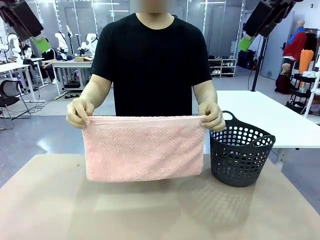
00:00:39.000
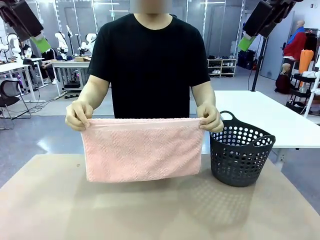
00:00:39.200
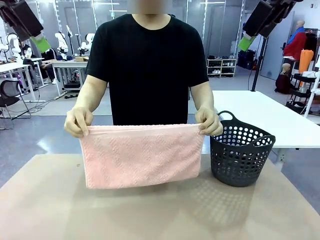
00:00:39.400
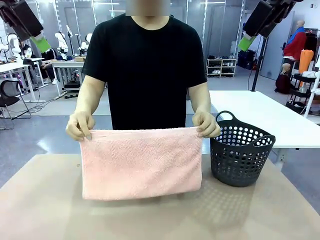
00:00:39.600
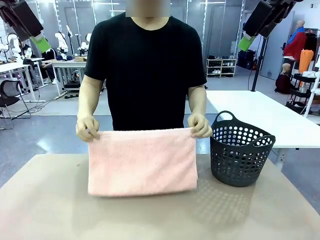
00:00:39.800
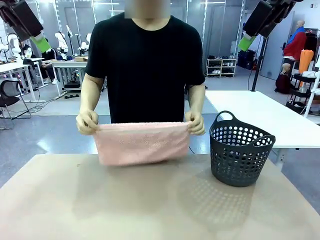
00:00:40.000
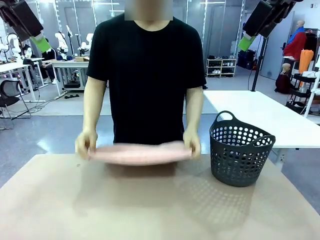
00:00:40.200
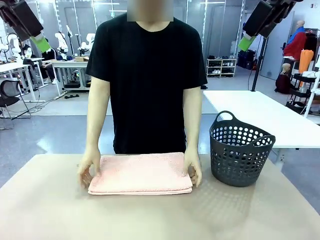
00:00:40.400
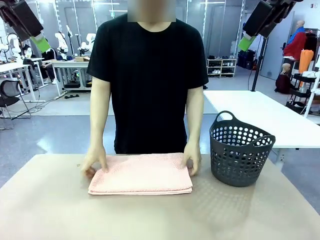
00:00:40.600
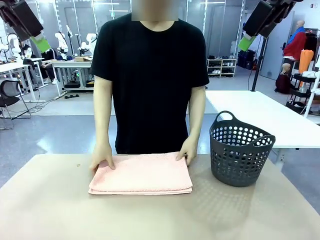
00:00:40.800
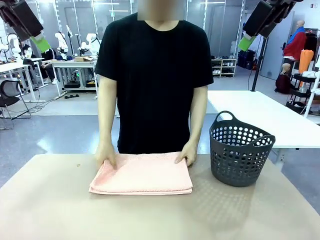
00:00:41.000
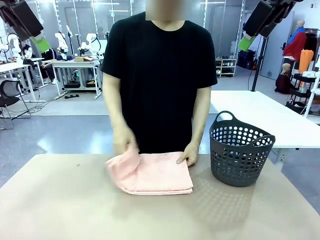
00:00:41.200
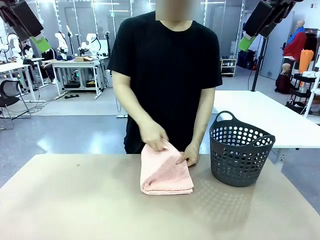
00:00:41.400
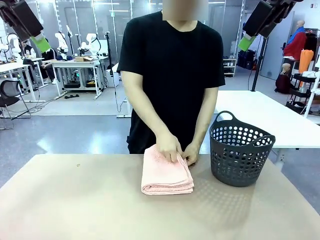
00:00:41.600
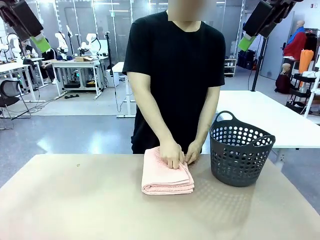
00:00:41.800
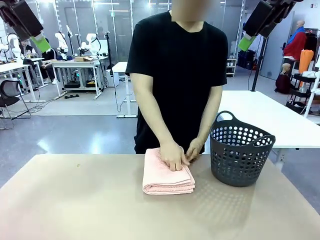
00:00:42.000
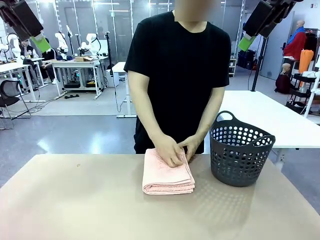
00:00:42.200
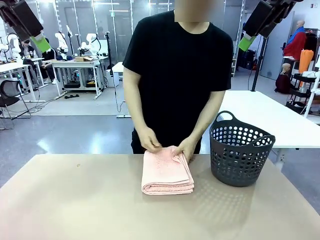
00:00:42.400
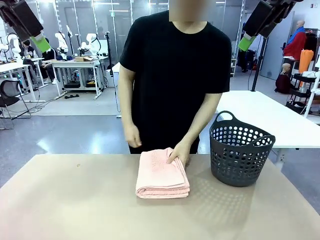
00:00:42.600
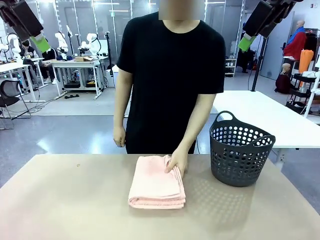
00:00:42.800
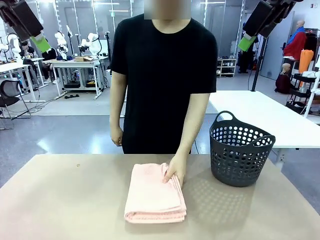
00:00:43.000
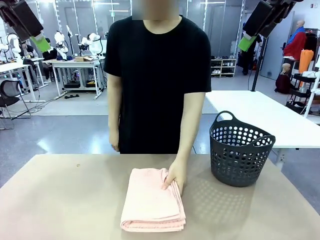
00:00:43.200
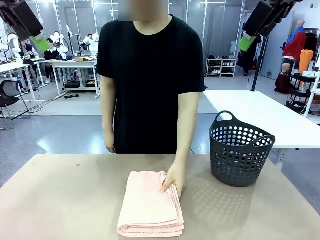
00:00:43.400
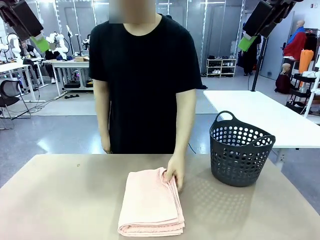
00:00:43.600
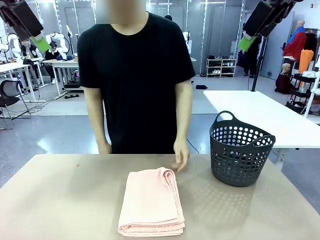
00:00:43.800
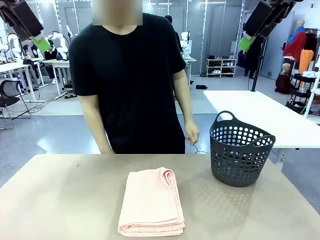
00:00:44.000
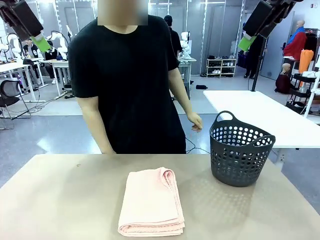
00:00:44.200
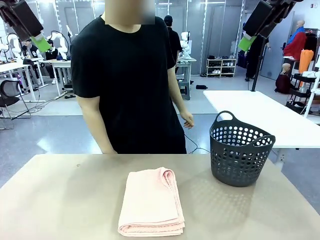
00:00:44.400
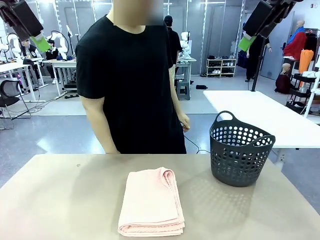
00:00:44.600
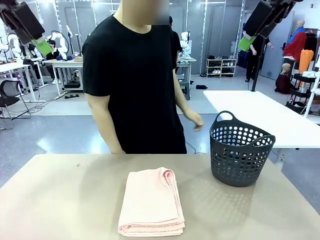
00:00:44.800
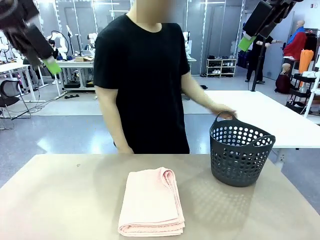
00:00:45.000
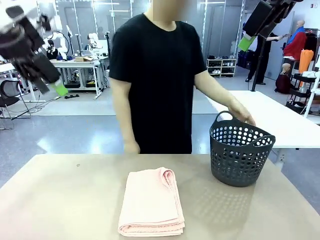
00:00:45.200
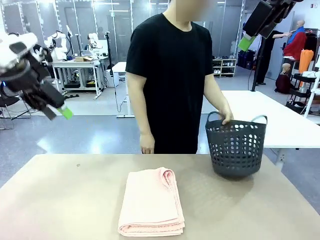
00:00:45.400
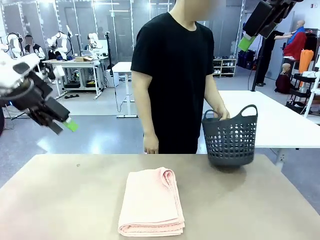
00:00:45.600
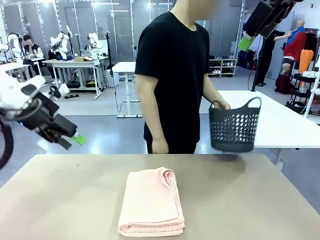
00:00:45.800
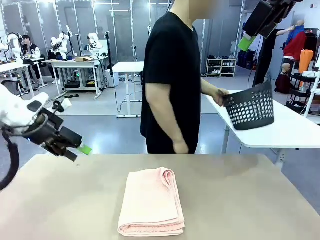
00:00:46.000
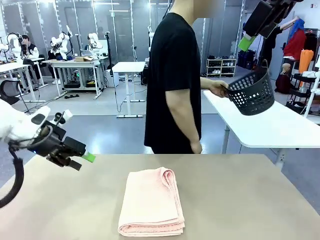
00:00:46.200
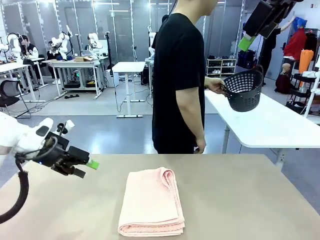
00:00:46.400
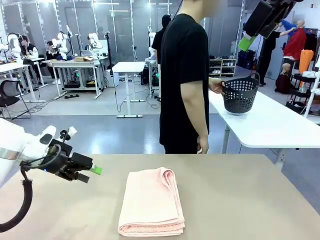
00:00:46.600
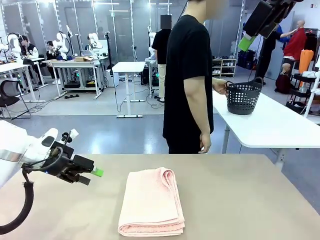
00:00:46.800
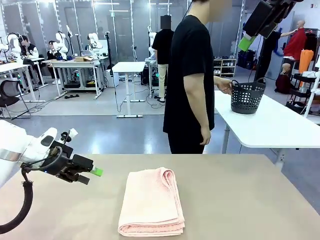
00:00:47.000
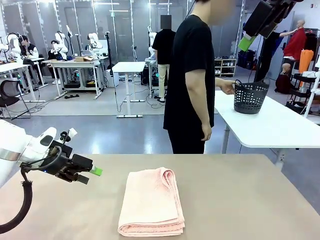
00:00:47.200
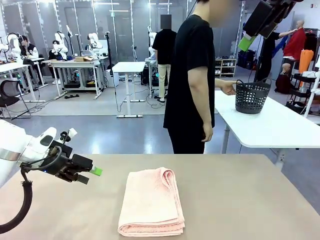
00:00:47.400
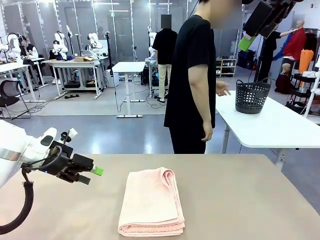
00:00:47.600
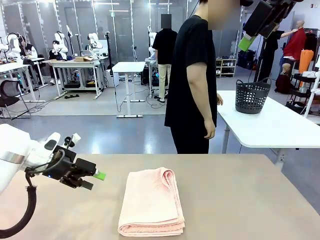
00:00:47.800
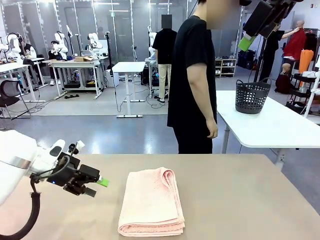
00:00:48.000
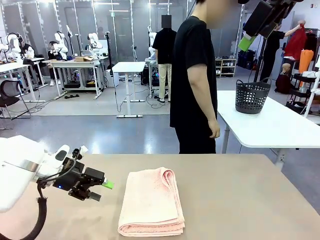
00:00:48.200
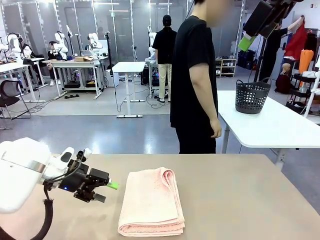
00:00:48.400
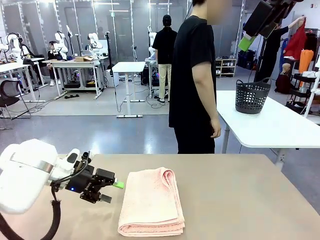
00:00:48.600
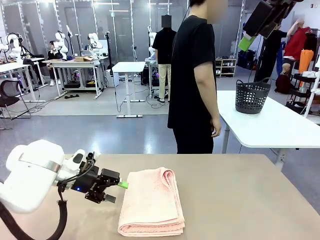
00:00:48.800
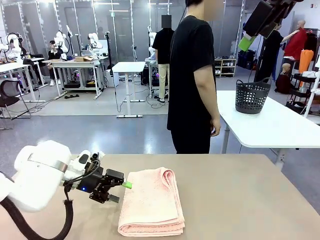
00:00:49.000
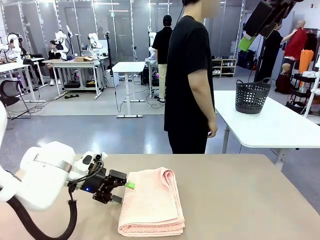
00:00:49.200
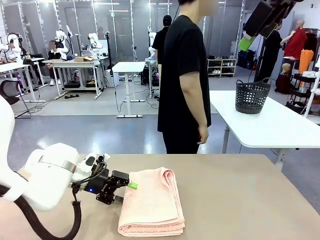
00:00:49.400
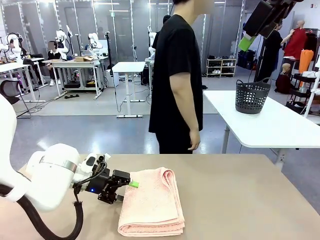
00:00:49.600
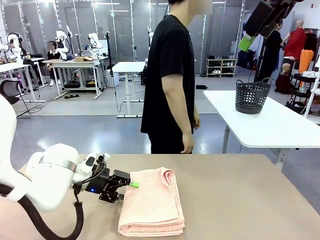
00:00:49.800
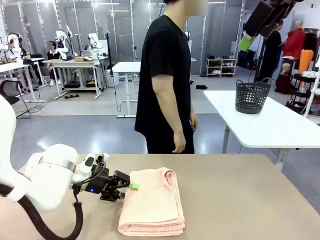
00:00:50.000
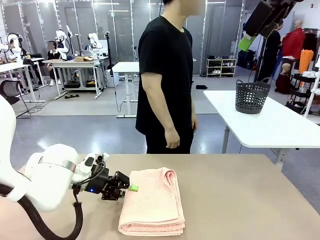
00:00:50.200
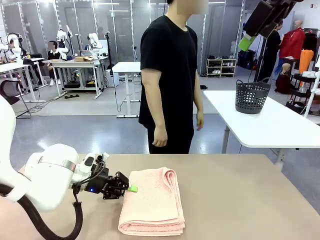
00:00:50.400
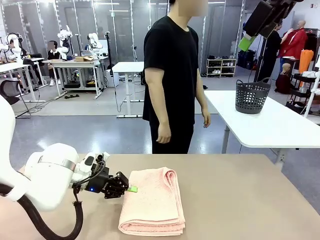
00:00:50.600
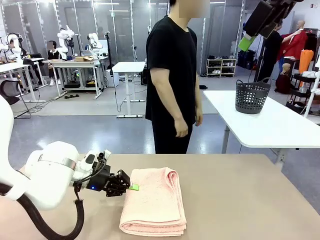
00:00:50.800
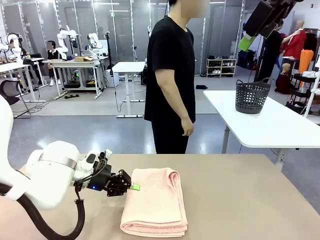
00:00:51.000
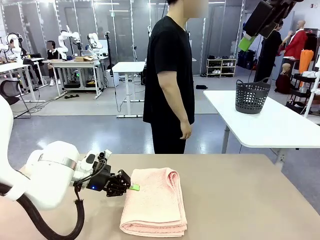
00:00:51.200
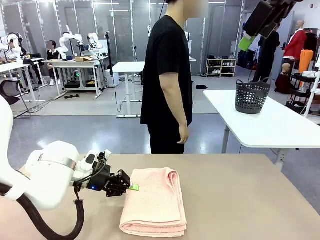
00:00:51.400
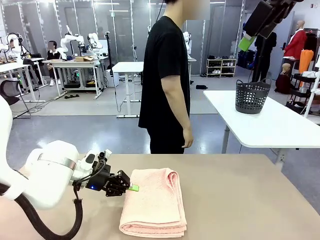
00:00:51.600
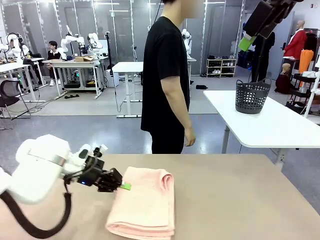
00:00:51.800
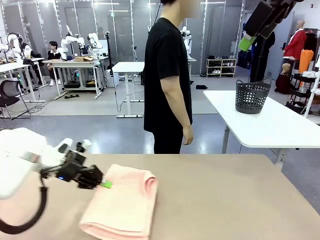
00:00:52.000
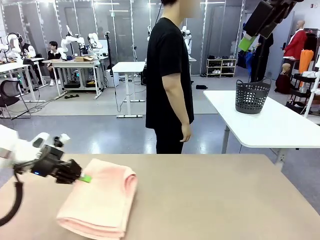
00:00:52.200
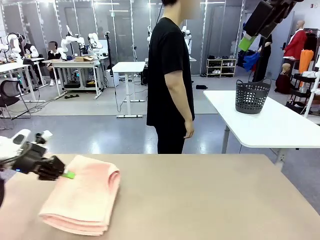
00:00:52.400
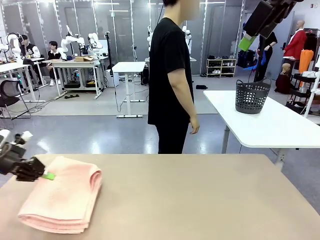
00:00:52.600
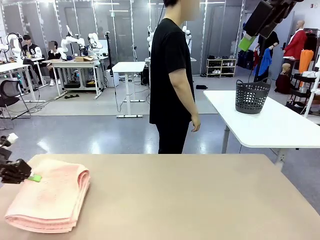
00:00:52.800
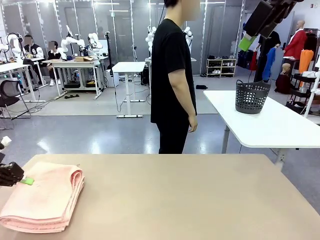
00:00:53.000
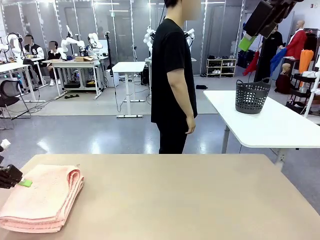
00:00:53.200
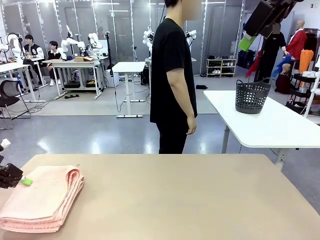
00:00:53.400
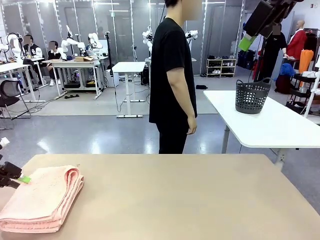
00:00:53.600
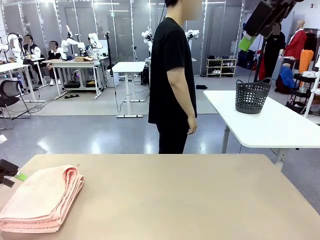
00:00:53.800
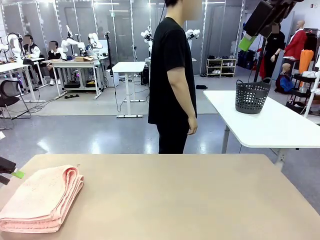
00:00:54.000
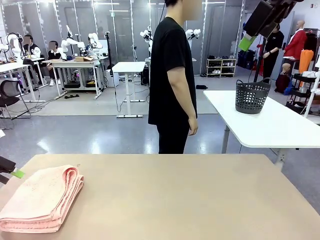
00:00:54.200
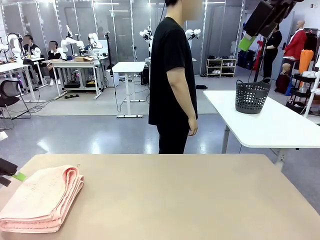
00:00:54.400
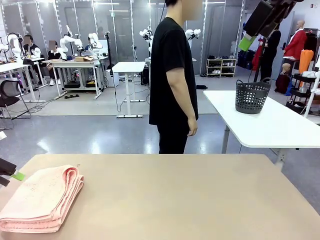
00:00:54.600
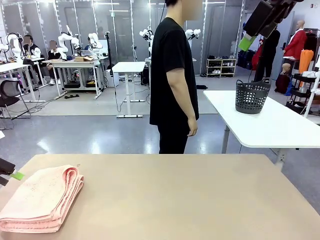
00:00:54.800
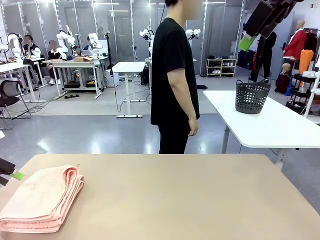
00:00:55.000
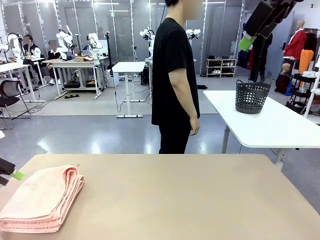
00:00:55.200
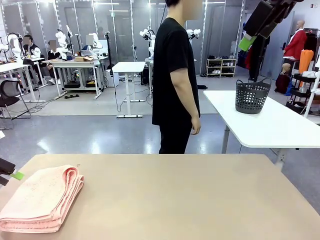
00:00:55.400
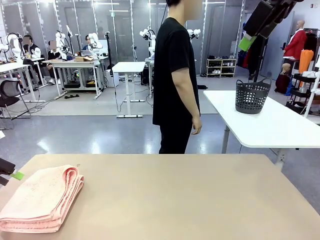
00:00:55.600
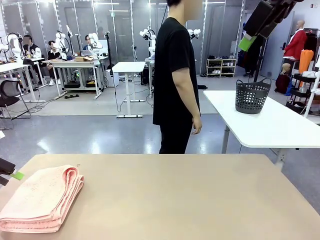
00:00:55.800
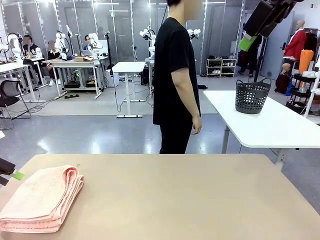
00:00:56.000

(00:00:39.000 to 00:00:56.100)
Task: Fold the towel.
Robot: Pick up the 100 cm Hotel Towel and place it on the left side of the table.
Person: Place the towel at the center of the robot table and fold it in half. Pick up the laundry basket and place it at the center of the human table.
